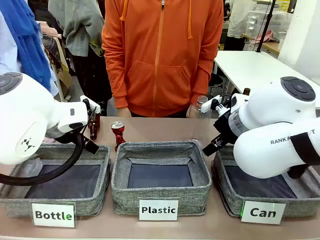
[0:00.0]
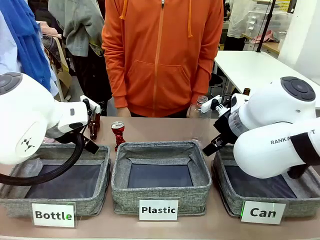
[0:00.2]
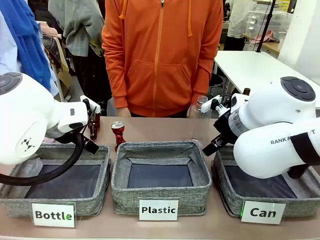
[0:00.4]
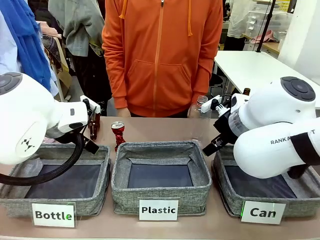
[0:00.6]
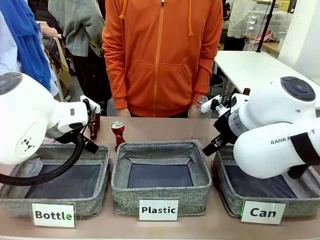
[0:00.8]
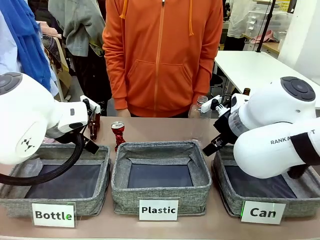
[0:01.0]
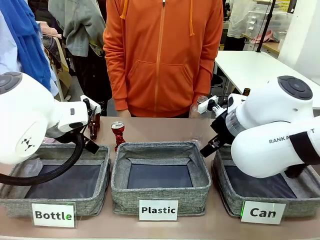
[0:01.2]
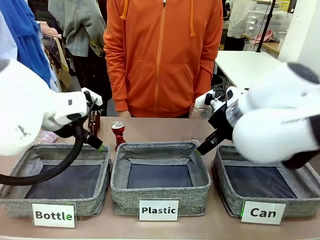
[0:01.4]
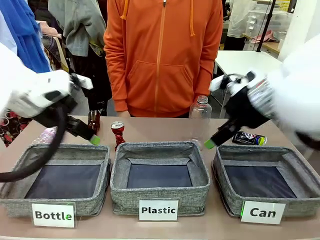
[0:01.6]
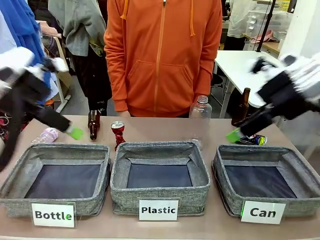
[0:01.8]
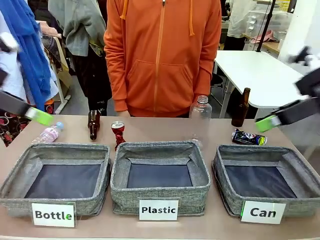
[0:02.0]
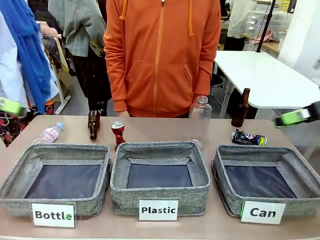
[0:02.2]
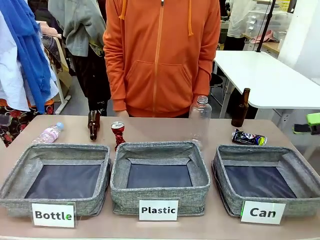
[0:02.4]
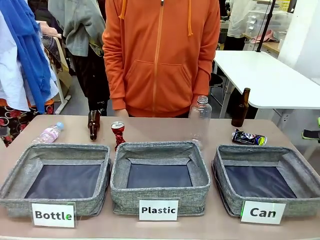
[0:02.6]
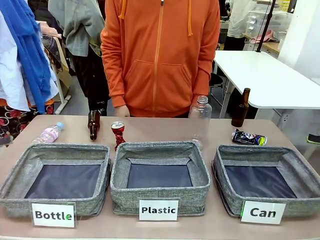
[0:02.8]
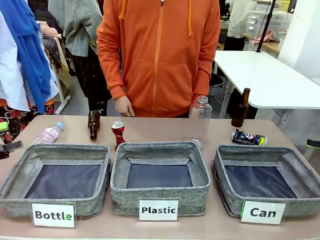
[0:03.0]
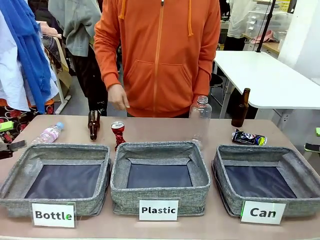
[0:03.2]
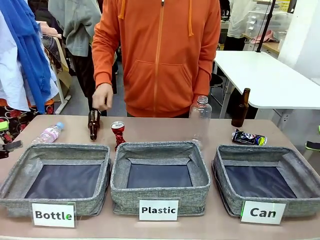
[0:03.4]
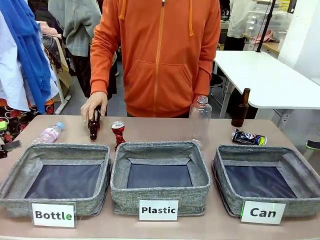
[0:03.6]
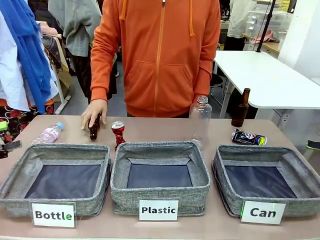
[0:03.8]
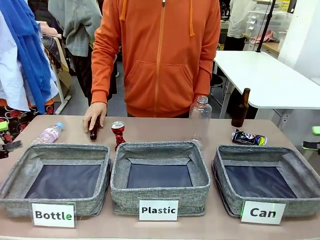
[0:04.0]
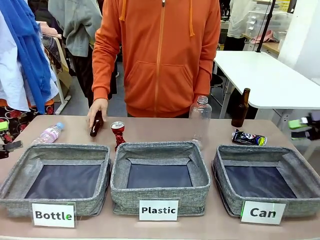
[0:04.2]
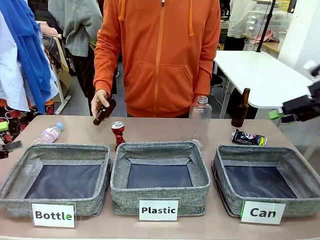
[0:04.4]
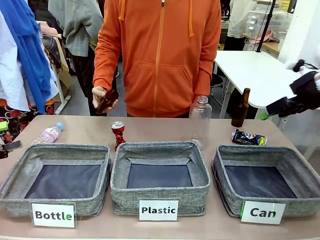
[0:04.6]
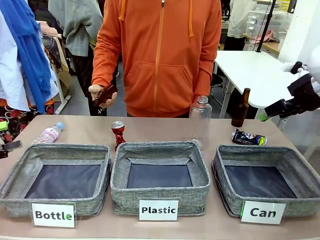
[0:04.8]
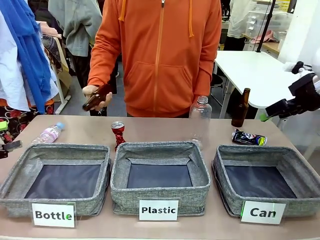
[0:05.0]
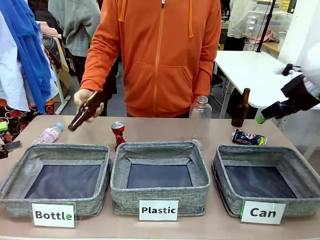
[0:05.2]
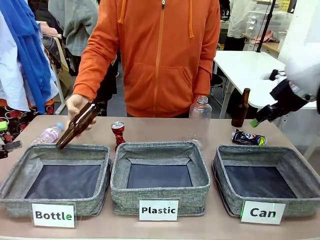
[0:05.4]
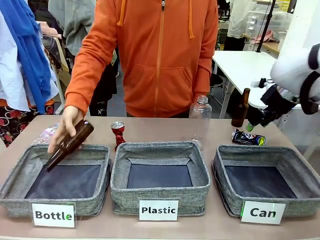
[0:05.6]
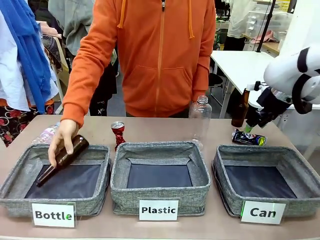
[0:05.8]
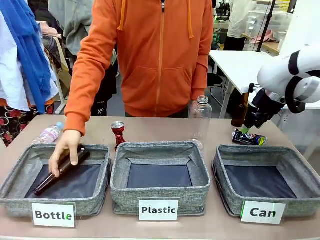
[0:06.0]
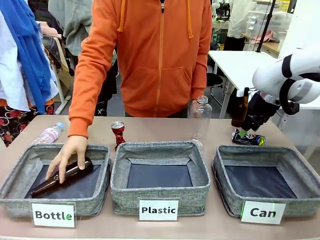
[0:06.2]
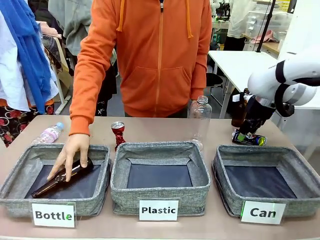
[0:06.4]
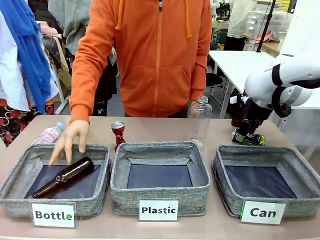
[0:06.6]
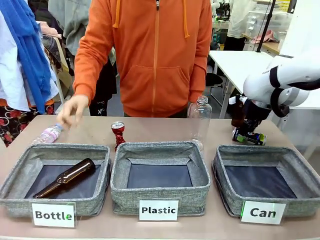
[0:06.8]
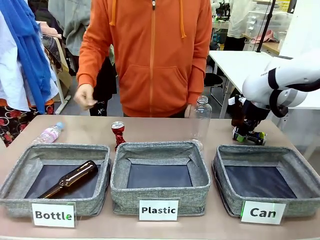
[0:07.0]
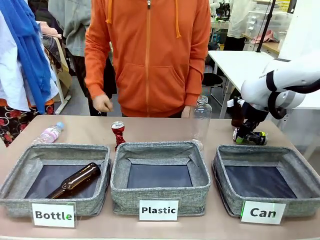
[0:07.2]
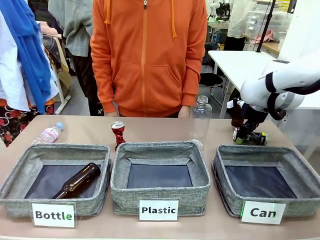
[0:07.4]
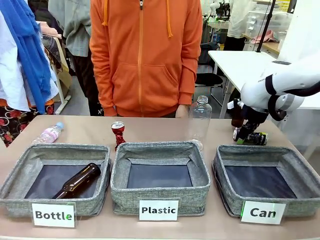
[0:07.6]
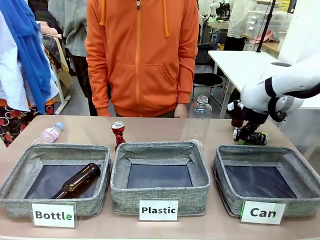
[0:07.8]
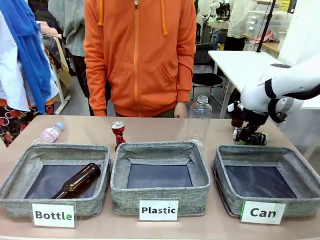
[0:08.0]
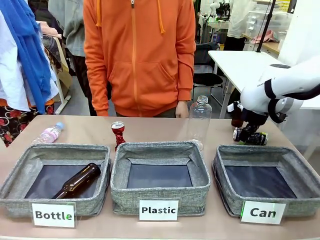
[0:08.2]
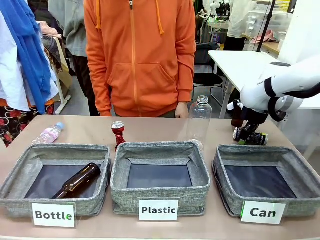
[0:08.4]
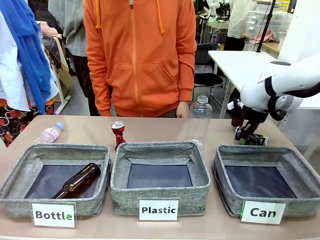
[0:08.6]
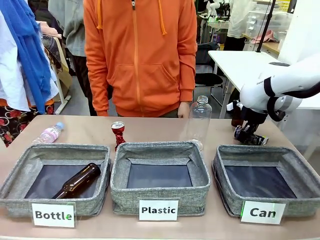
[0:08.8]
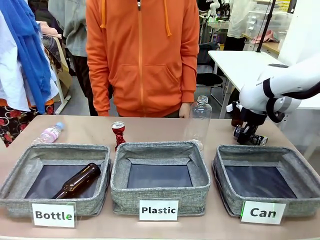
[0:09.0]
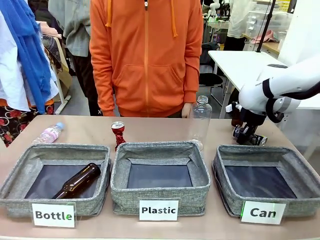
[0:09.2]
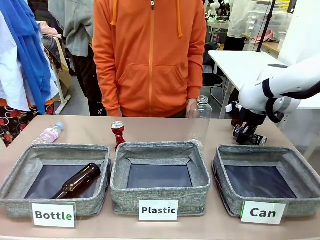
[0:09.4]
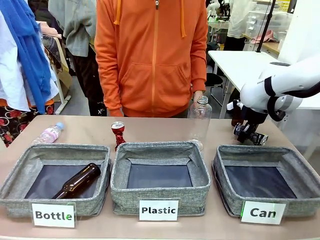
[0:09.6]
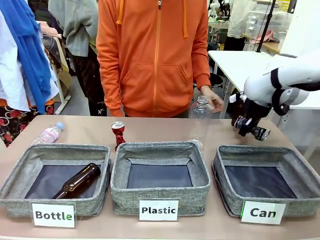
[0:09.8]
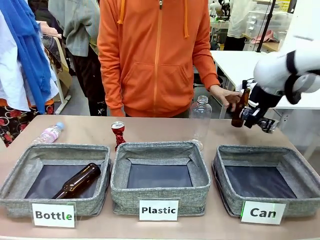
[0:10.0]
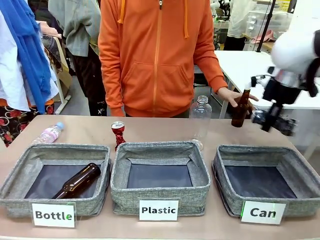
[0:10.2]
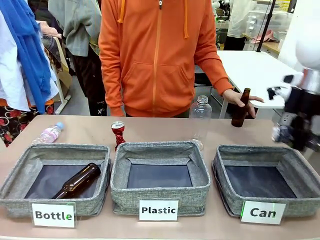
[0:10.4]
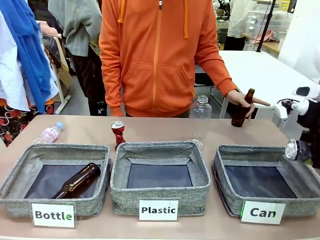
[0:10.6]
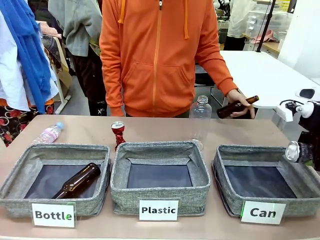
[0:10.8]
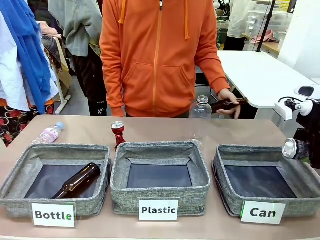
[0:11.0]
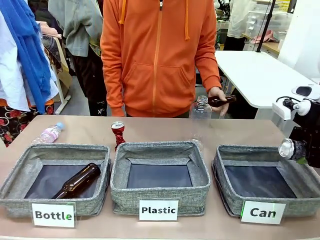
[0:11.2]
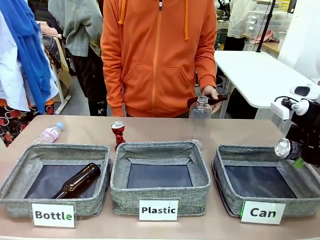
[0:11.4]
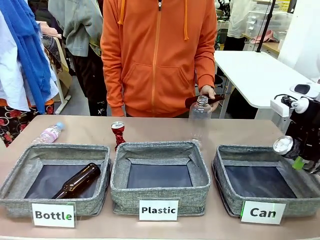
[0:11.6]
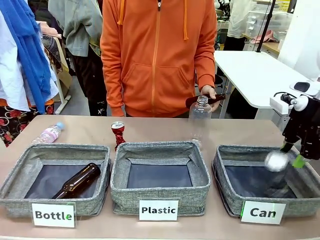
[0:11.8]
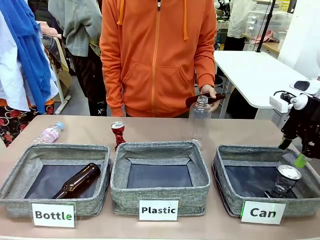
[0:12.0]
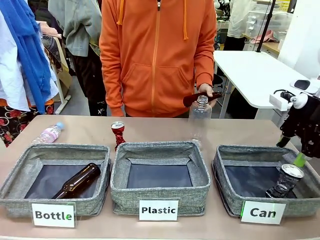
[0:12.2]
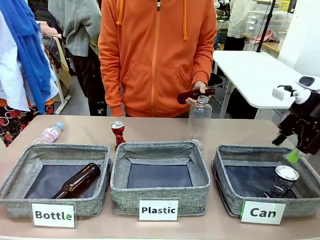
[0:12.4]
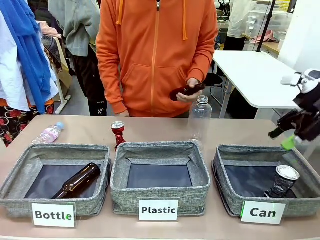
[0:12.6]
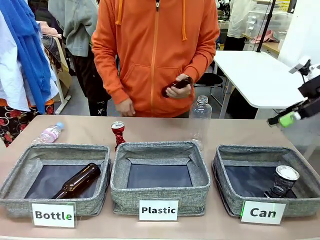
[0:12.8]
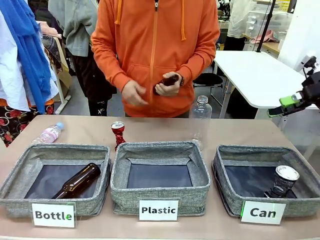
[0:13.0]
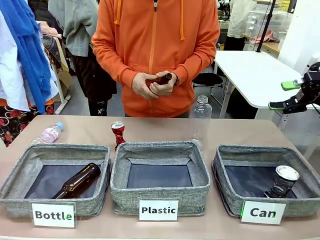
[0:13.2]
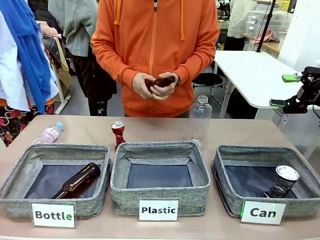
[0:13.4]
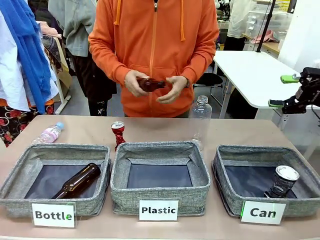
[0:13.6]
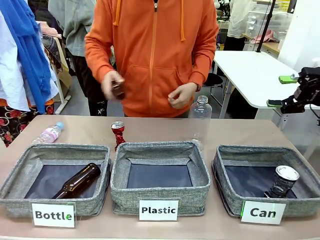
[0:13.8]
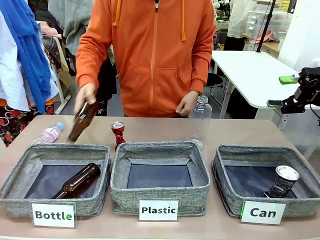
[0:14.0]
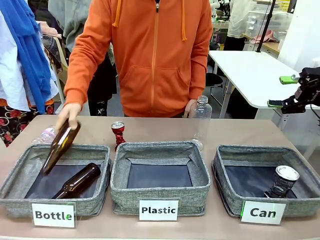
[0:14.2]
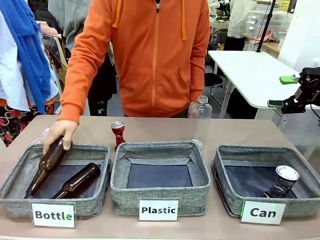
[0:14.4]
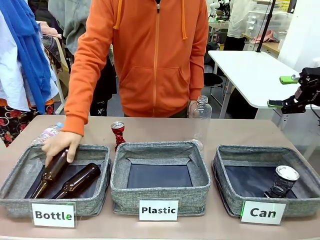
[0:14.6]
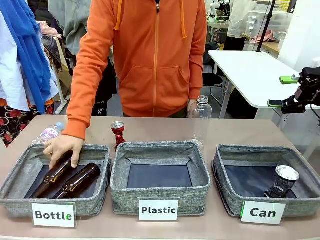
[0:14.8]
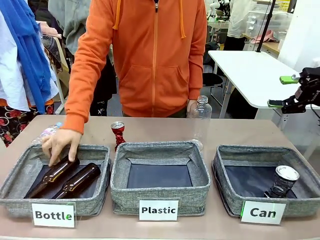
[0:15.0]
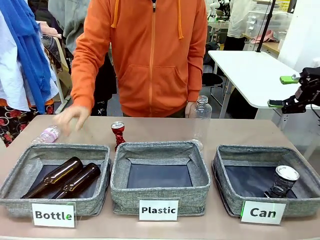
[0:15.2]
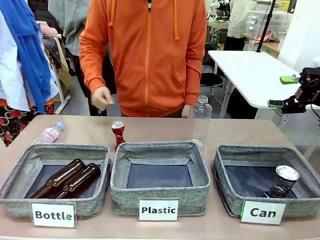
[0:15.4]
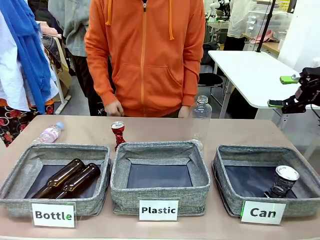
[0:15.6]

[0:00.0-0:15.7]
Task: Sort the can waste into the basket.
Robot: Pick up the can waste from the table and place it in the right Fabric basket.
